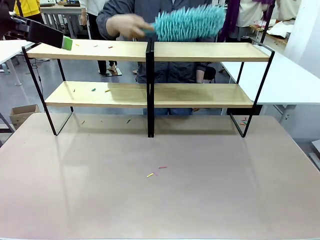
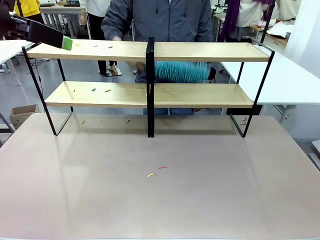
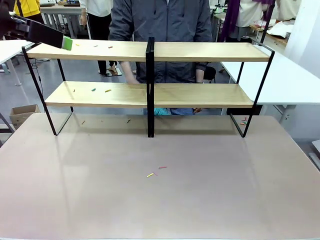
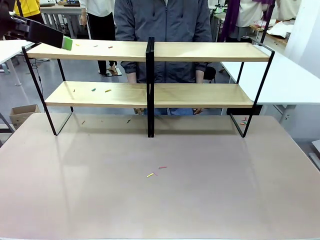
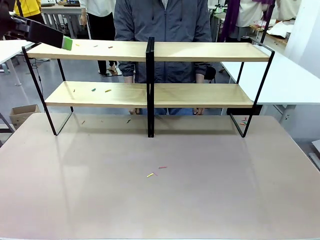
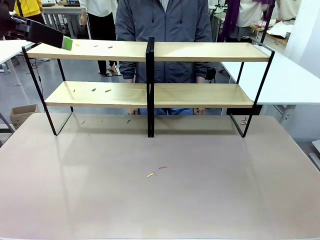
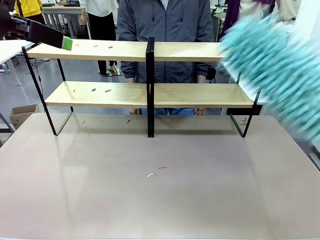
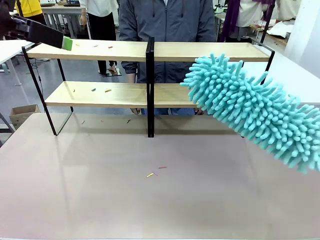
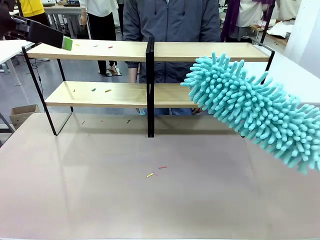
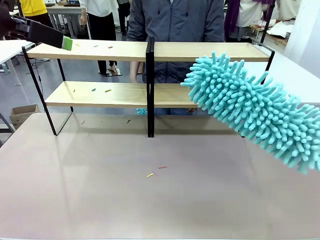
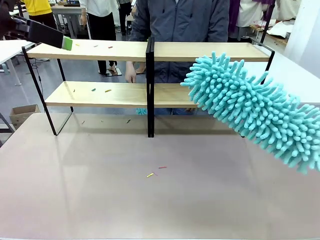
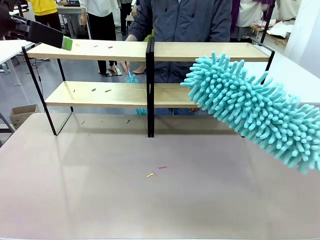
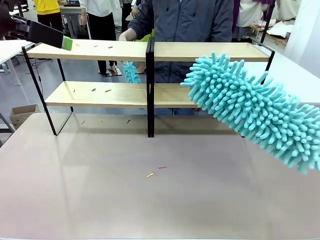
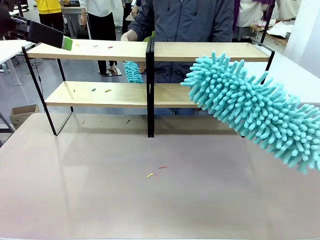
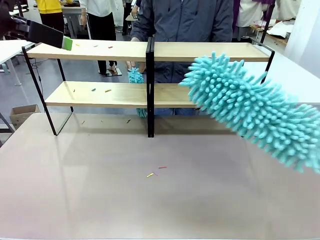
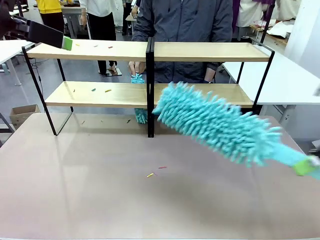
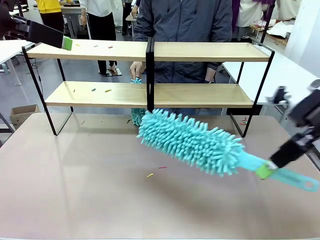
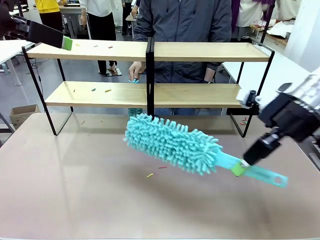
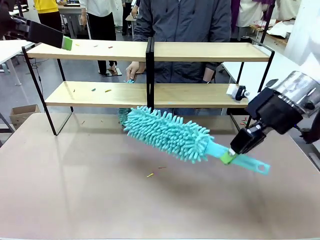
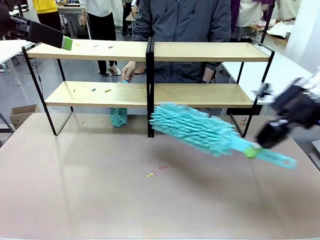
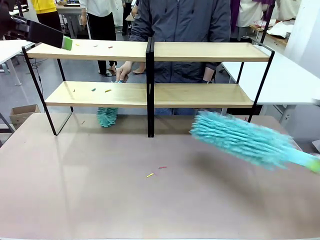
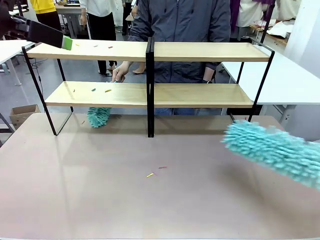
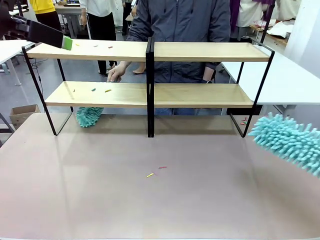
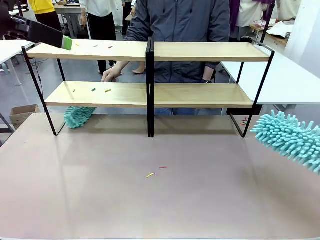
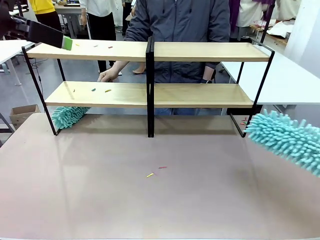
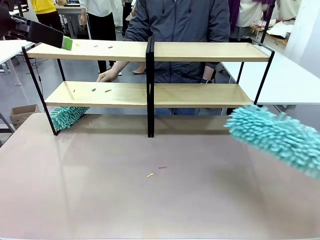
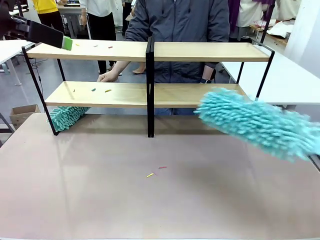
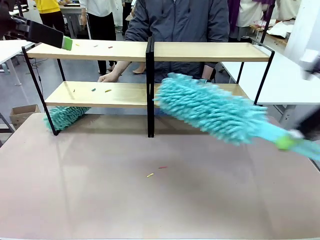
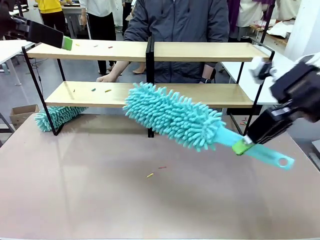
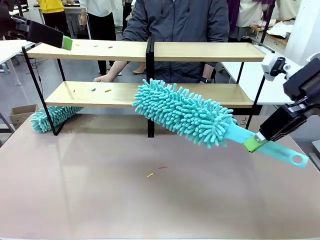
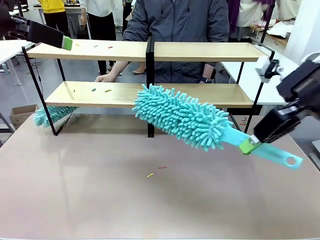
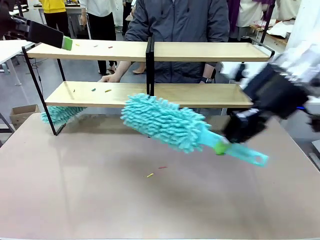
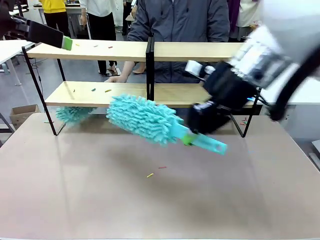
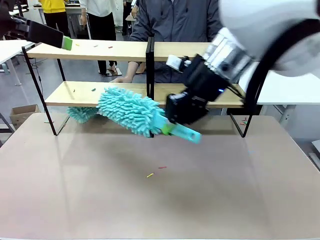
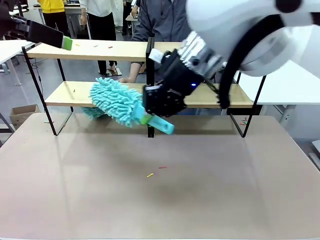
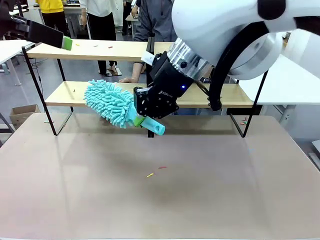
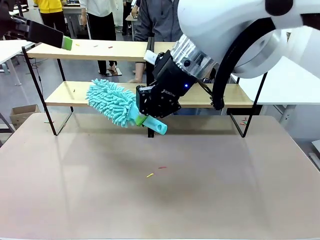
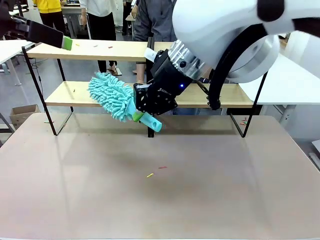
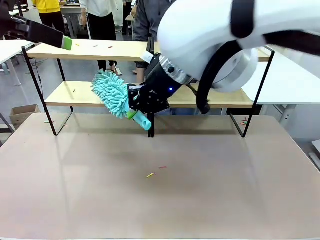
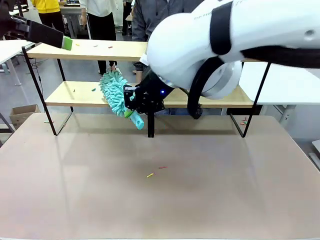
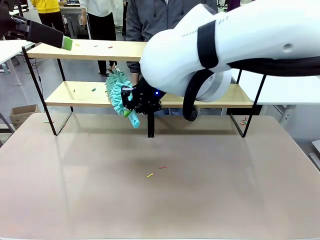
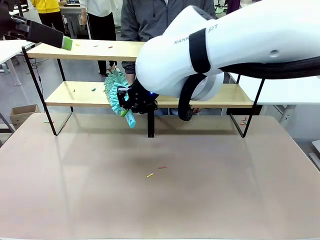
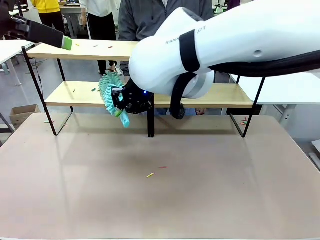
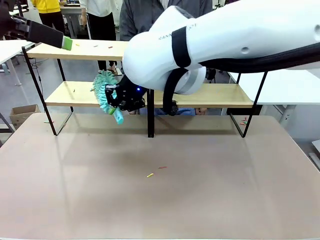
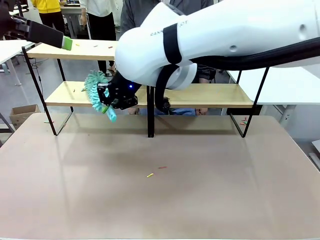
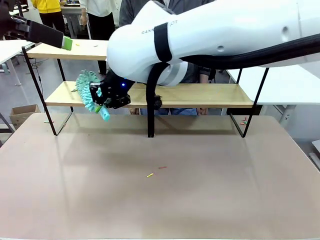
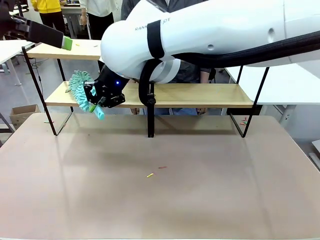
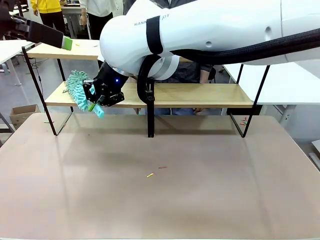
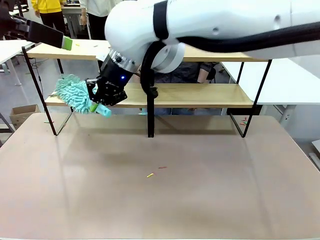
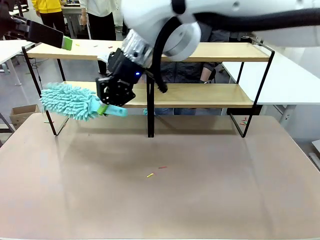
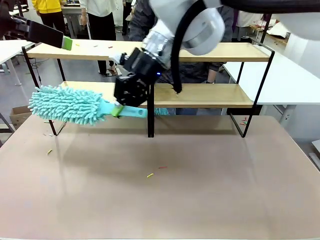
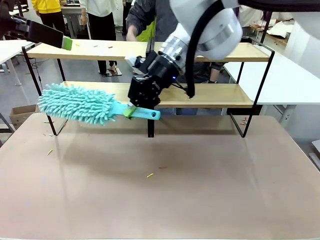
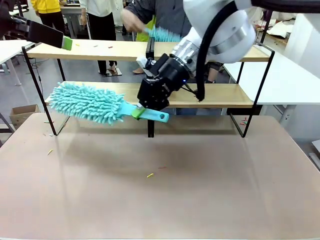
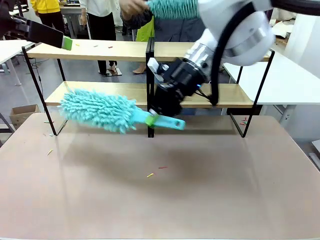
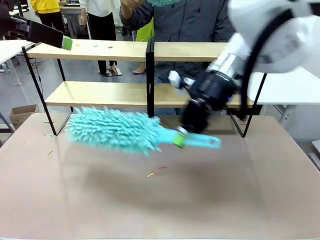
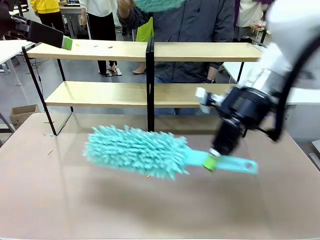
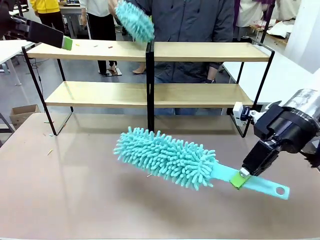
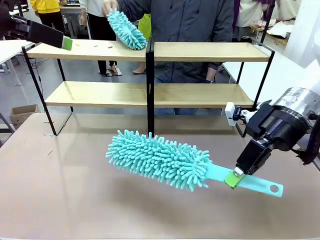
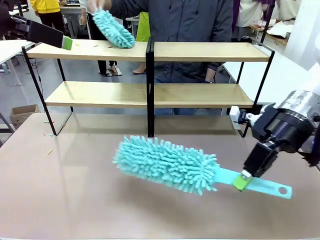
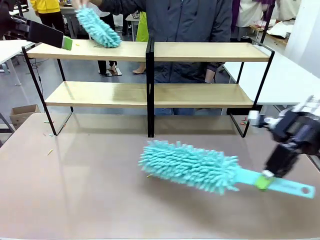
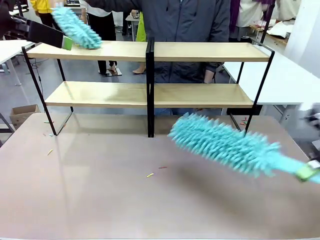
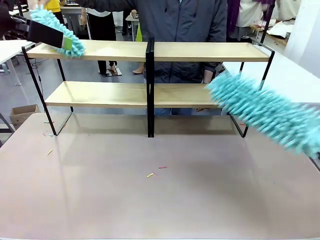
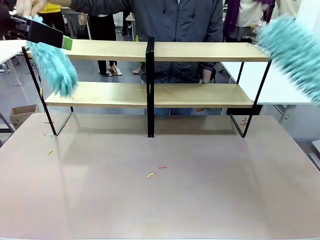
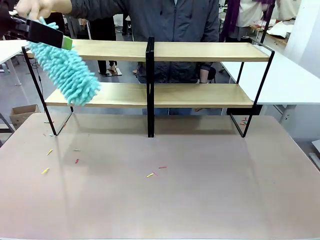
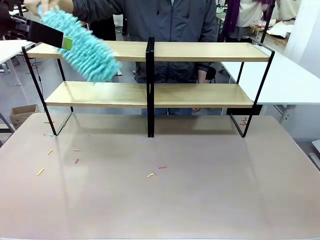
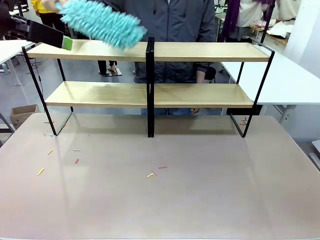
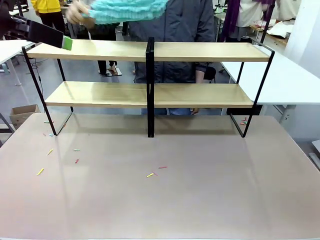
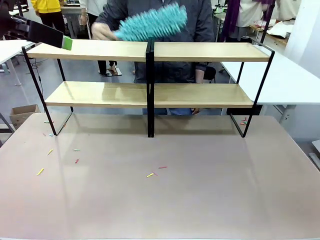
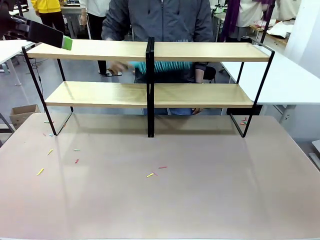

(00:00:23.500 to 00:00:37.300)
Task: Clean the shelves.
Robot: Clean another randomly selected level of the Shelf with the Duster.

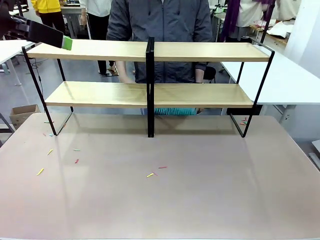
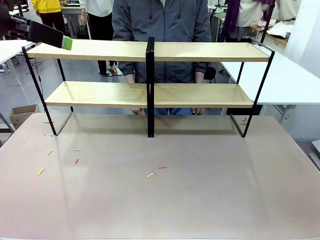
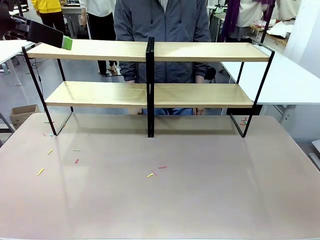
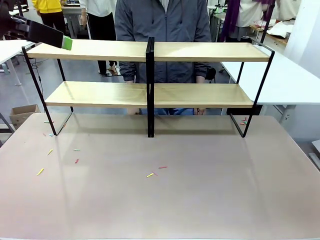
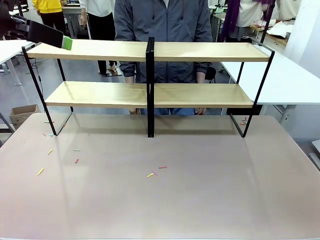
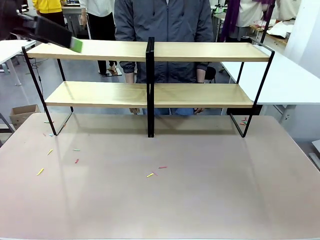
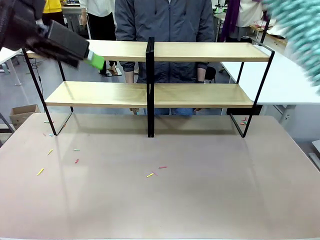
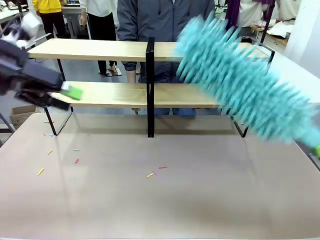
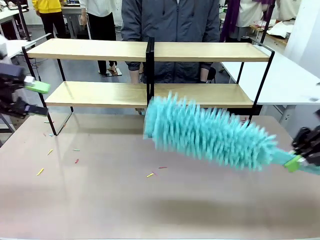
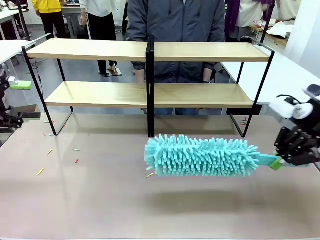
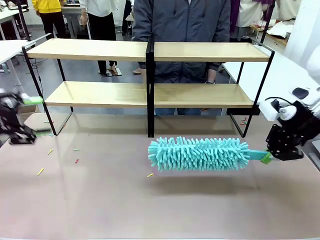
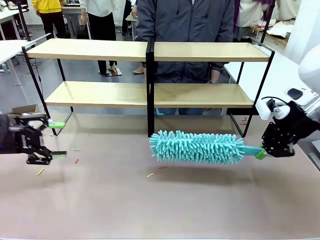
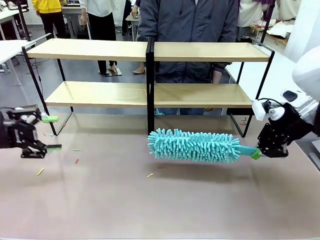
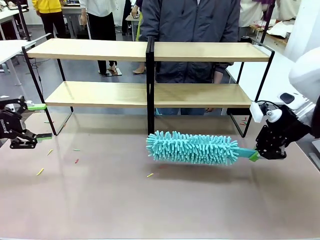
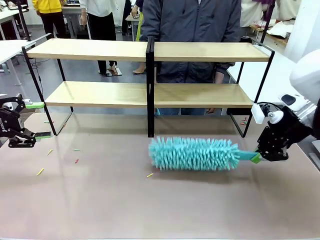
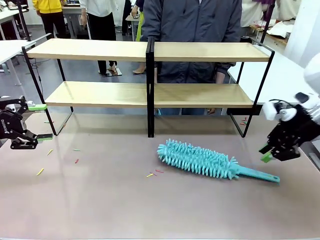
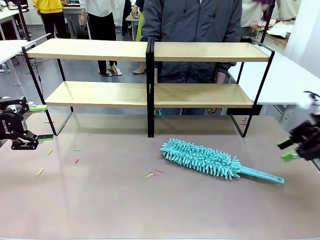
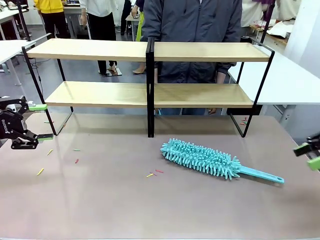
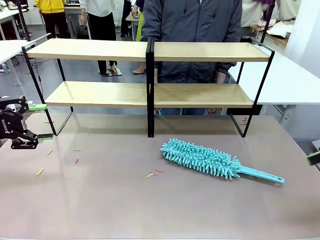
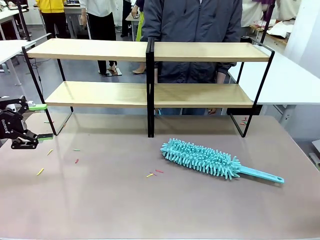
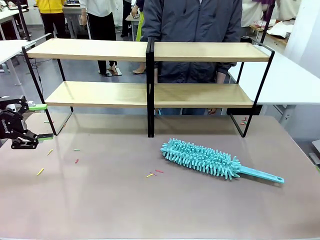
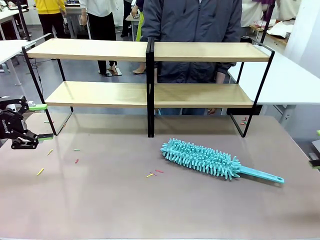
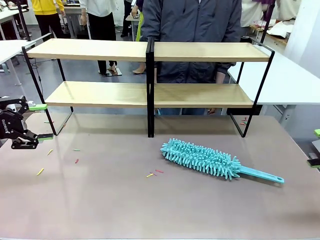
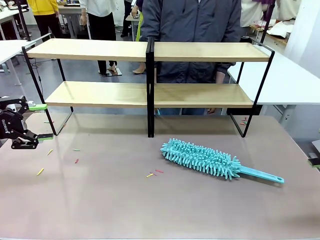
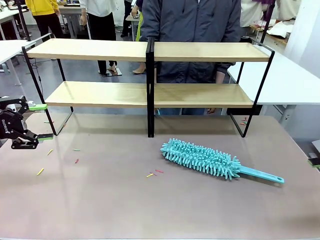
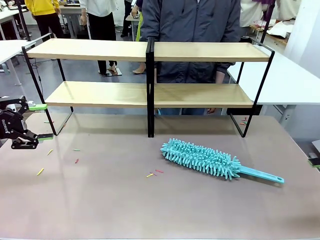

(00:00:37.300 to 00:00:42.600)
Robot: Place the Duster on the table.
